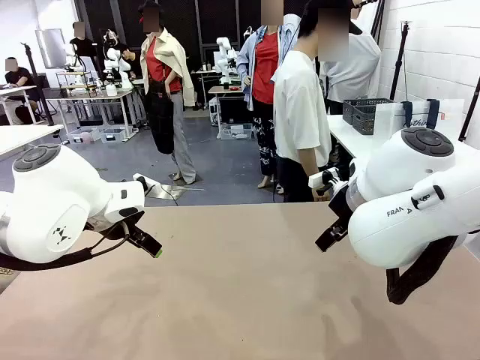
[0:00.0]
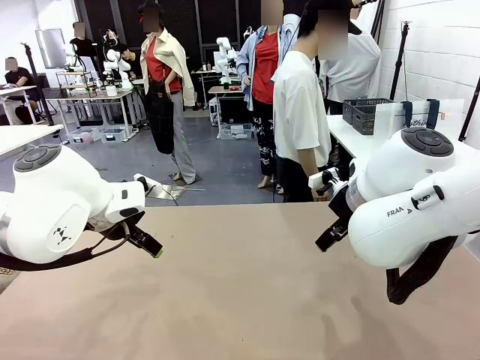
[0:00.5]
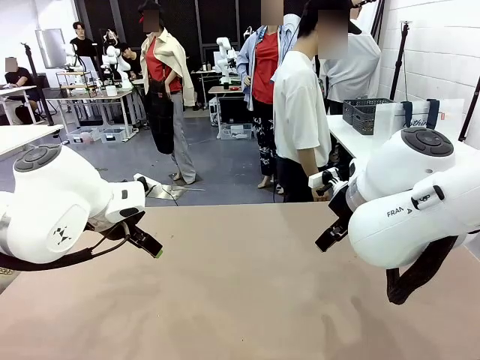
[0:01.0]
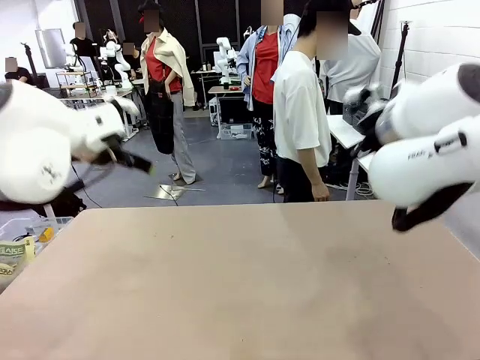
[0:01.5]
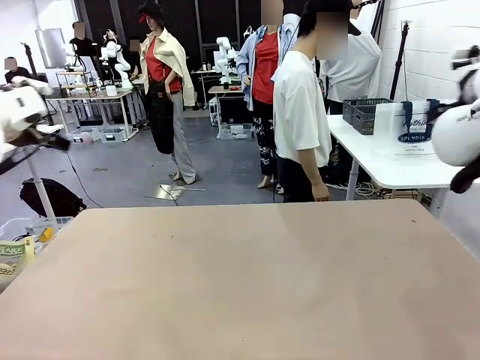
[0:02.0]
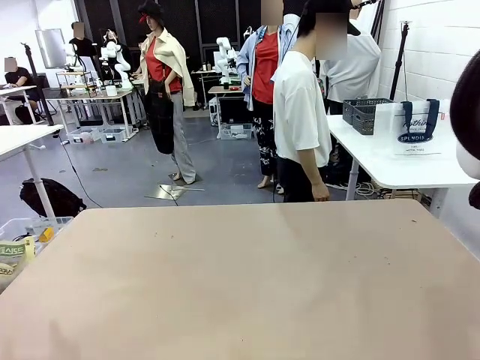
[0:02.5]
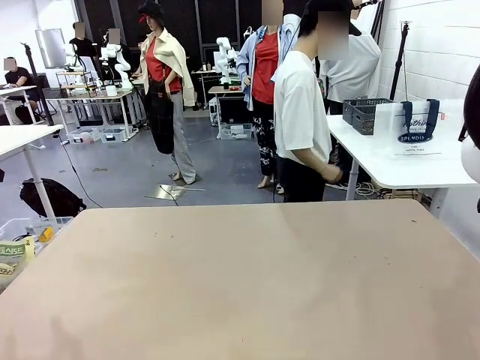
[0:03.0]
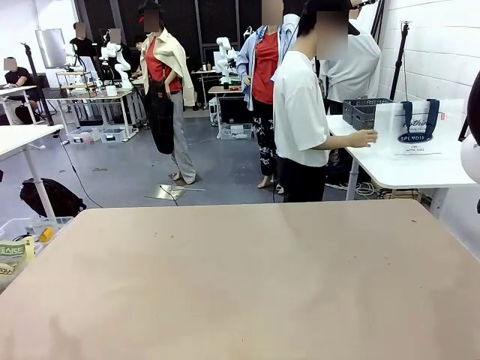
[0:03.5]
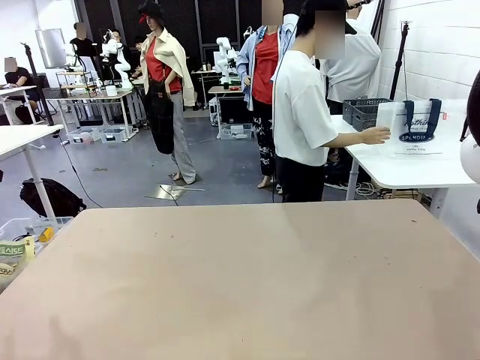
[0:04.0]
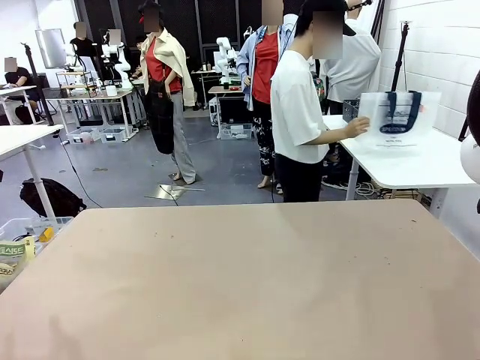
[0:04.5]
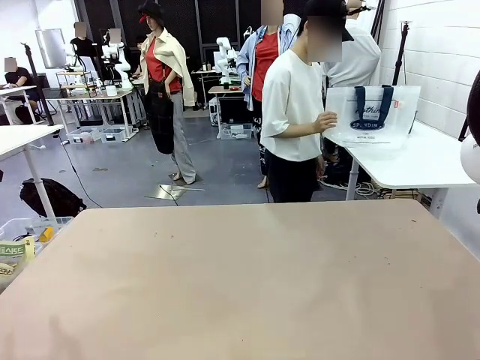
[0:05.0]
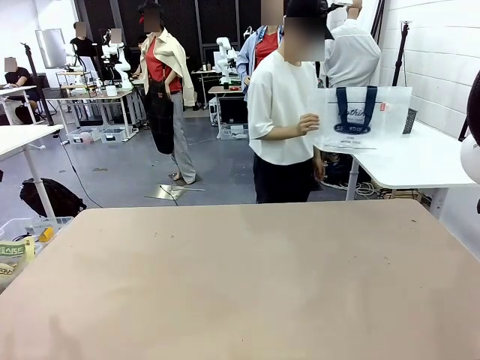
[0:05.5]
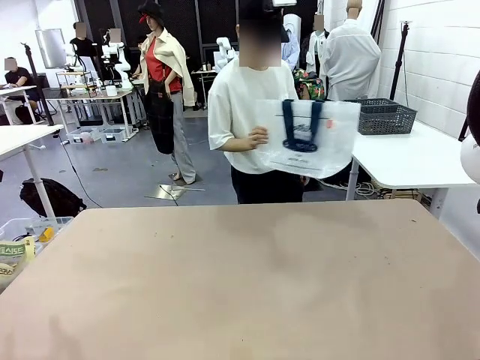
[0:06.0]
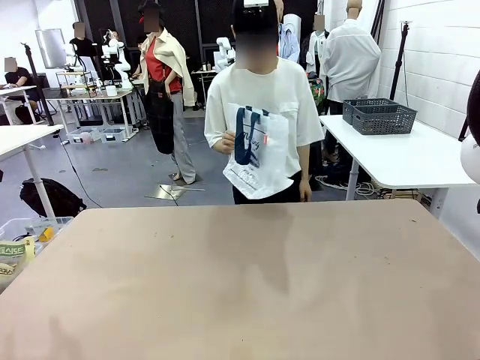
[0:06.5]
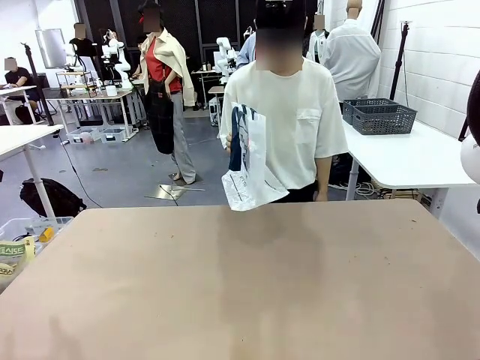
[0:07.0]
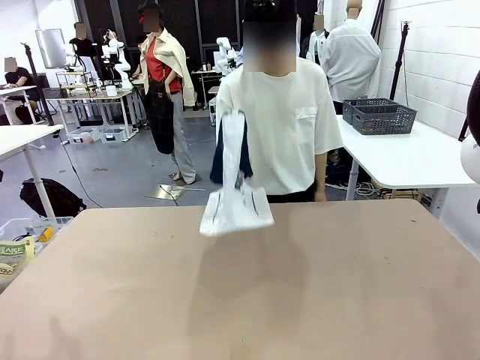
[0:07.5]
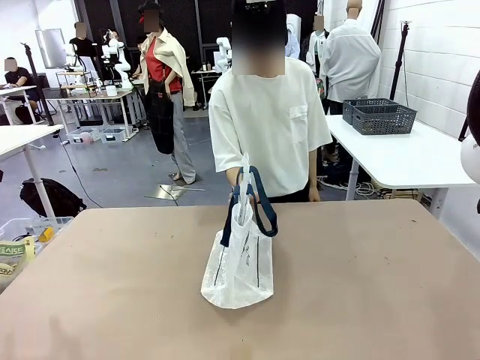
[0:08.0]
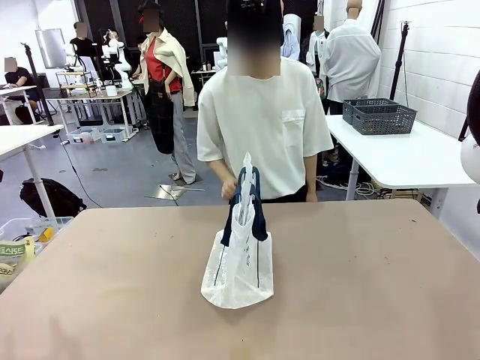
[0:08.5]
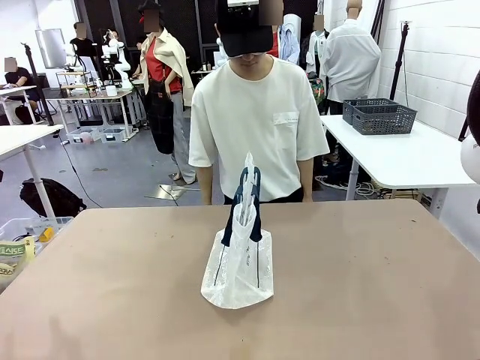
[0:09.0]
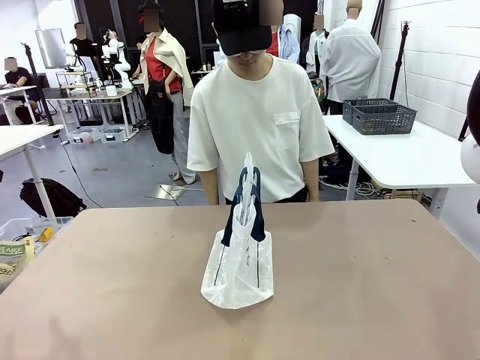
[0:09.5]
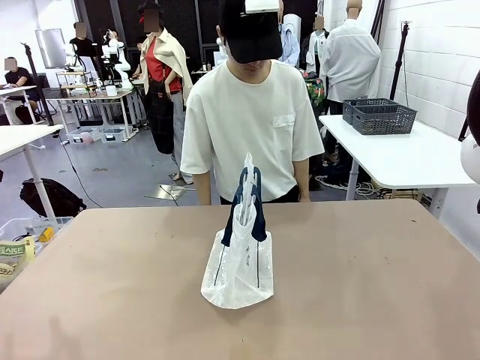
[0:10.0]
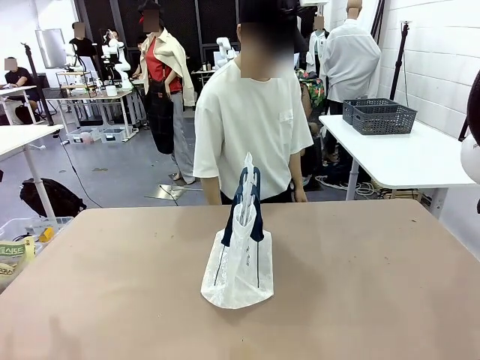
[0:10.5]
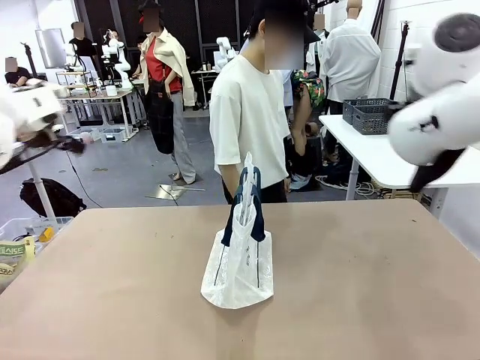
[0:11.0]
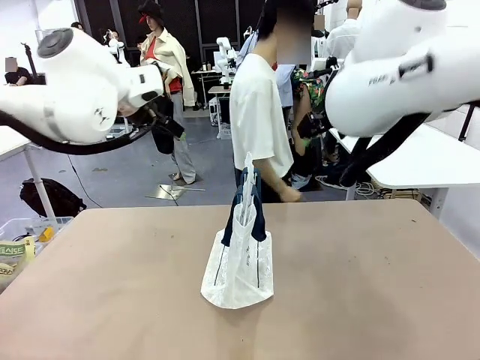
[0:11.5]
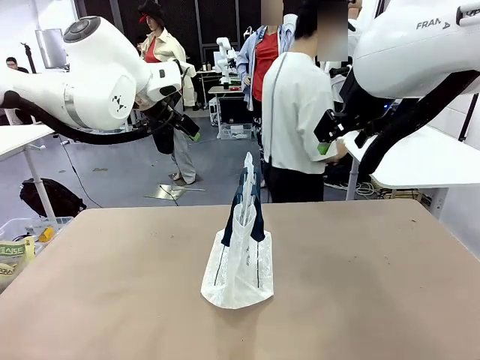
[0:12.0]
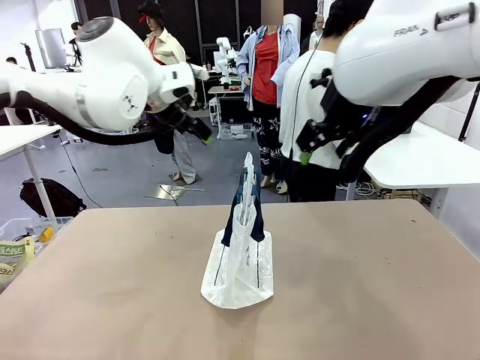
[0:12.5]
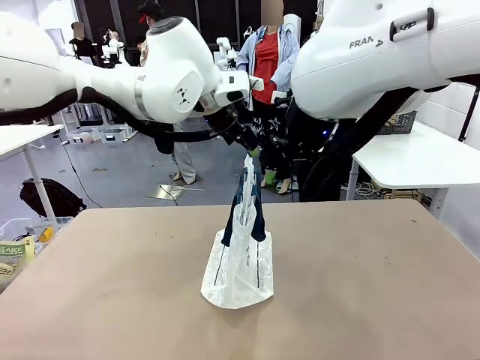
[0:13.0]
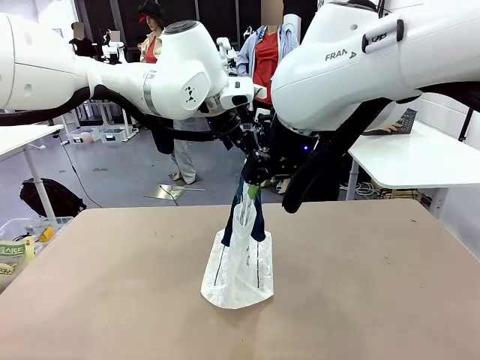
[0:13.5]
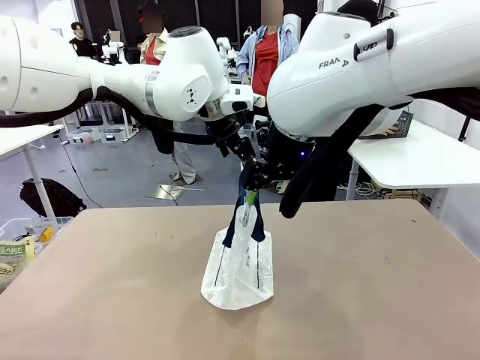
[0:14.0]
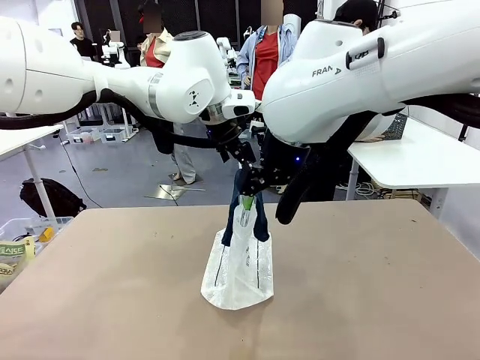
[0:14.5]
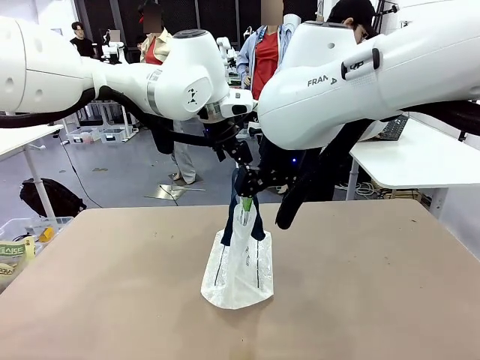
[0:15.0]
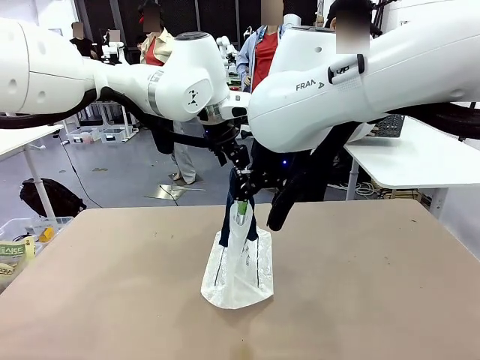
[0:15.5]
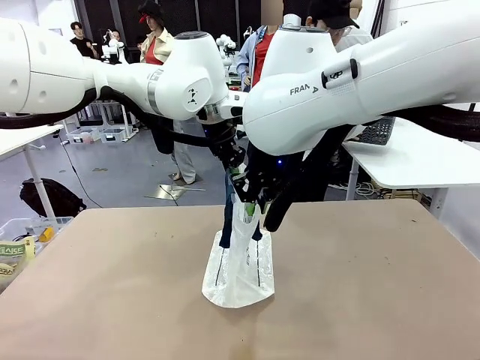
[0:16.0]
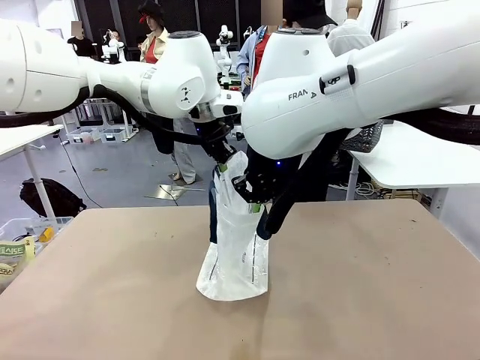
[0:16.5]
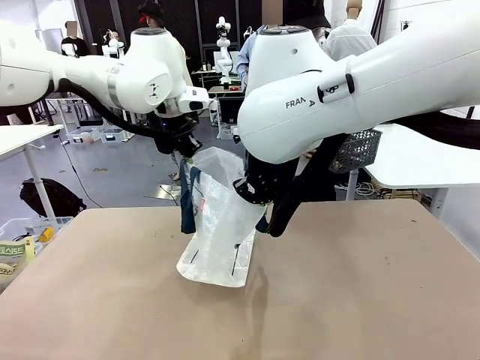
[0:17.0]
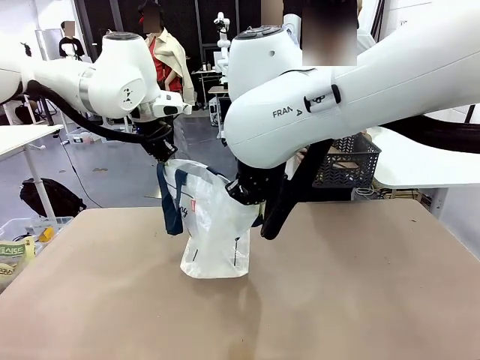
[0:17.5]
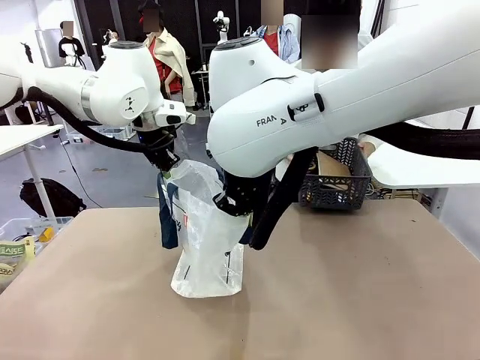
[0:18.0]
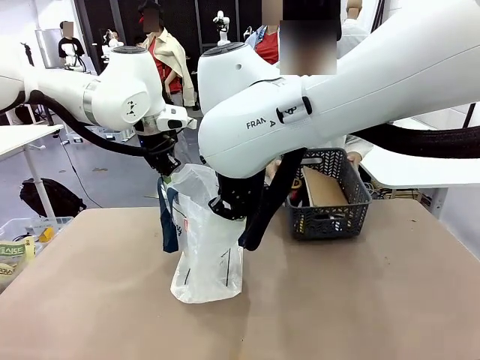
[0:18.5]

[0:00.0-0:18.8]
Task: Transfer purchased items from the store into the shopping bag.
Robot: Open the Reusable shopping bag in the center of the table.
Person: Pick up the shopping bag and place it in the middle of the robot table. Pick up the basket on the right, place it on the left side of the robot table, and move the items in the basket to the shopping bag.
